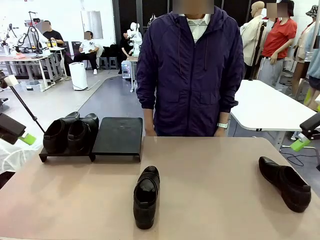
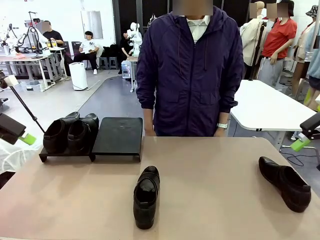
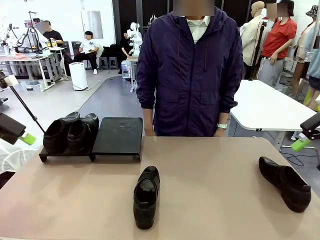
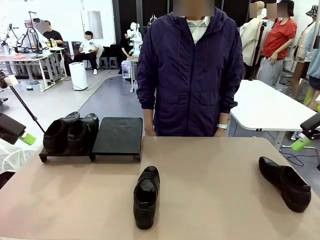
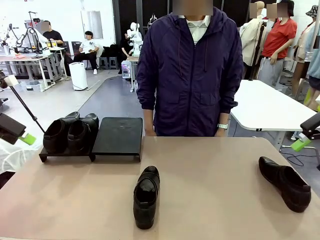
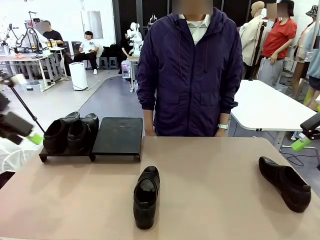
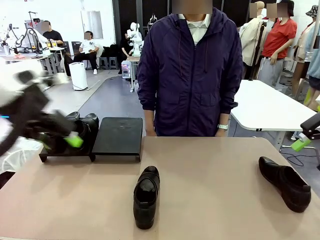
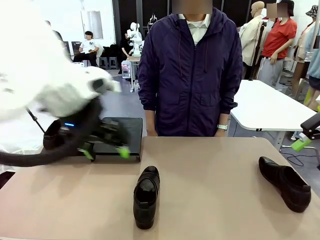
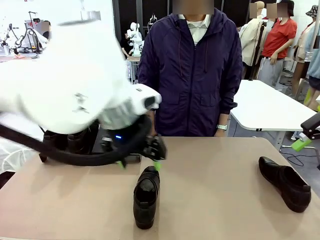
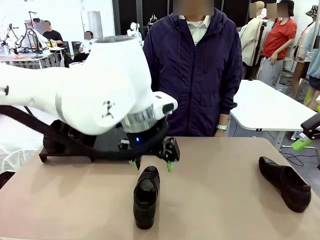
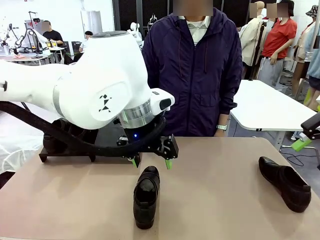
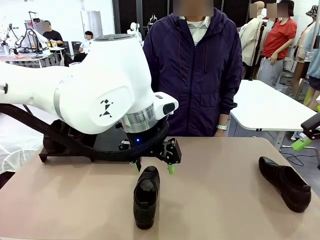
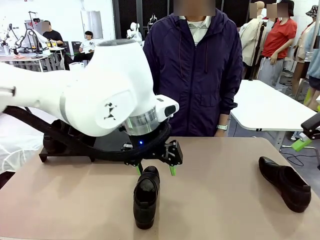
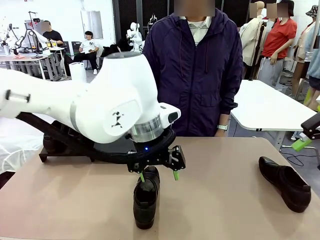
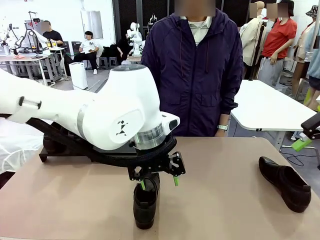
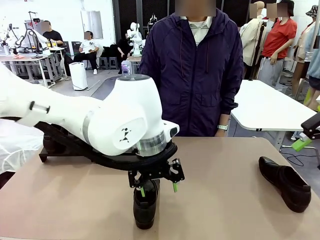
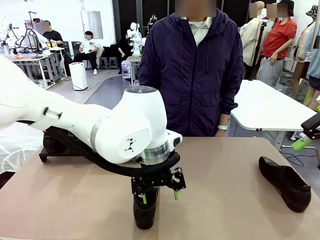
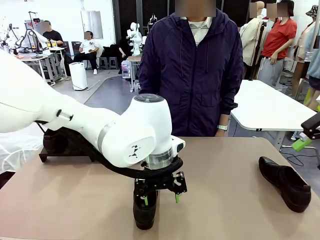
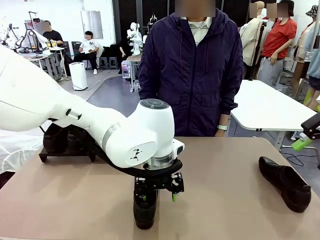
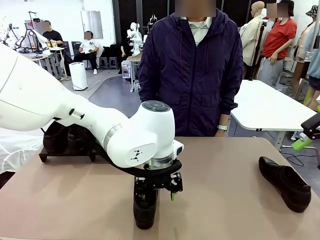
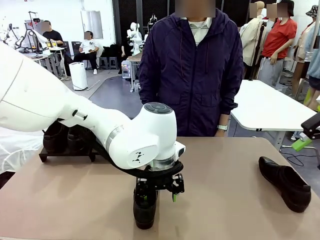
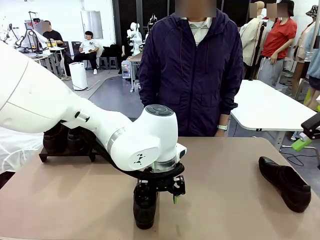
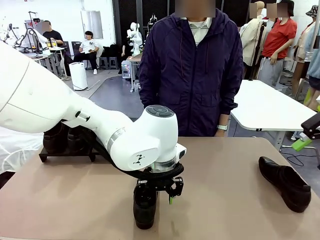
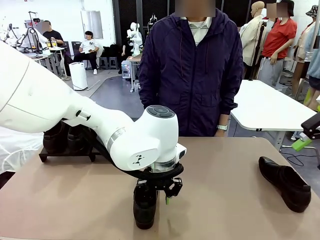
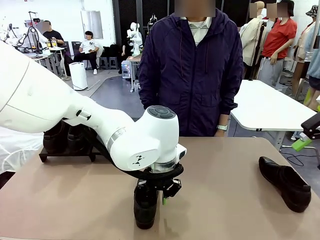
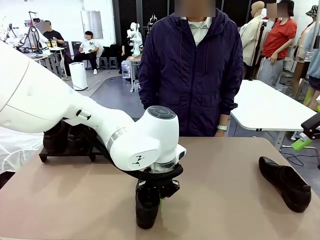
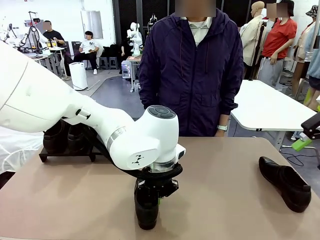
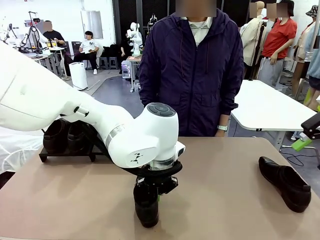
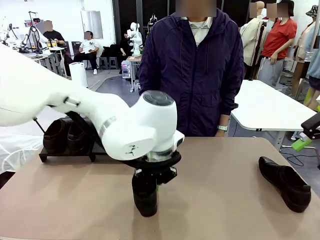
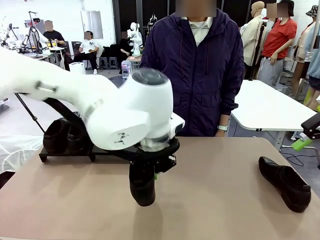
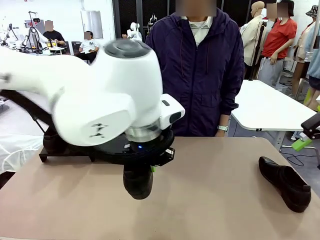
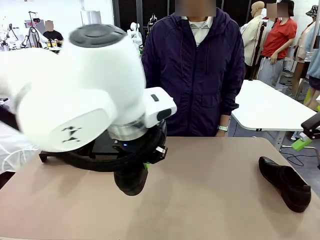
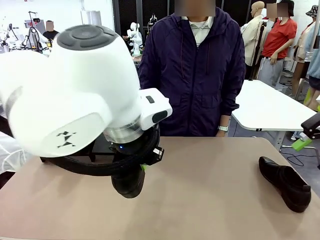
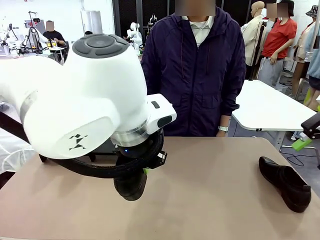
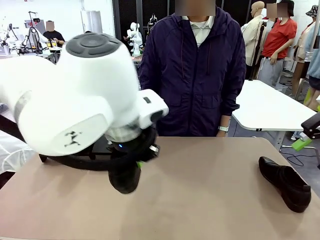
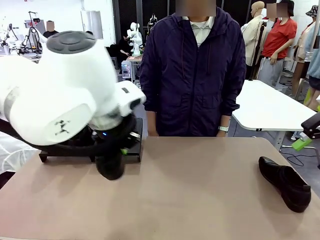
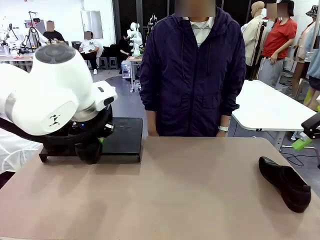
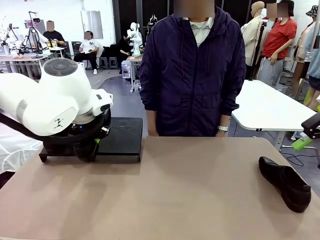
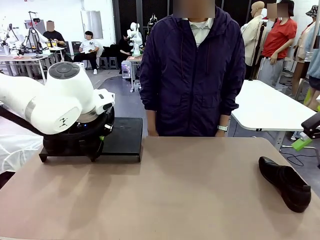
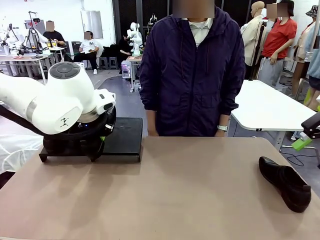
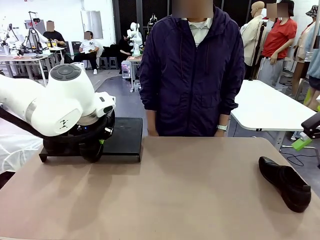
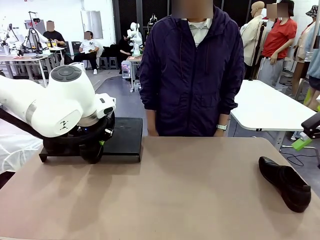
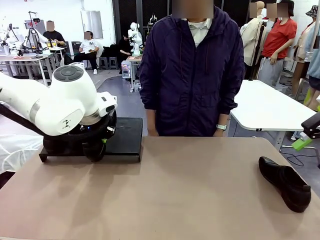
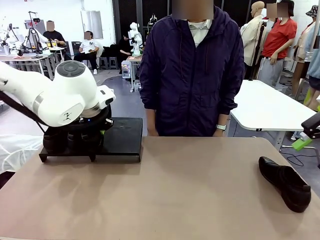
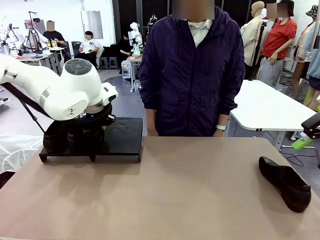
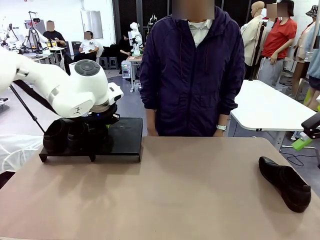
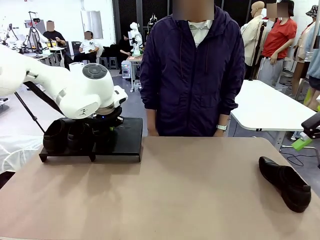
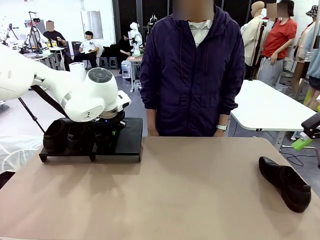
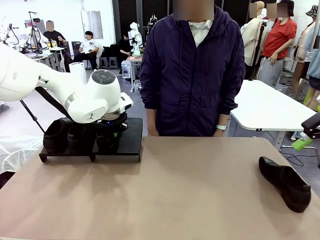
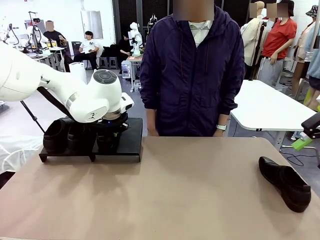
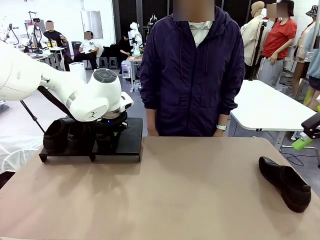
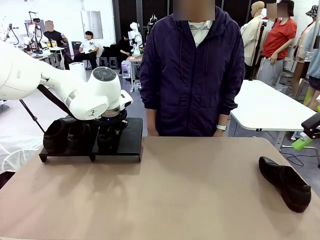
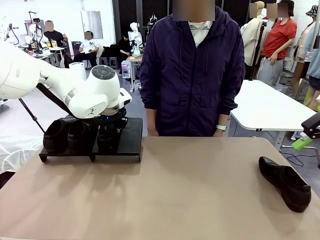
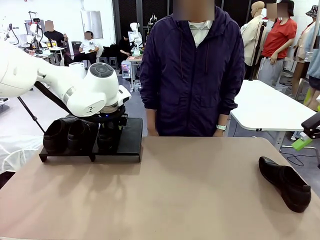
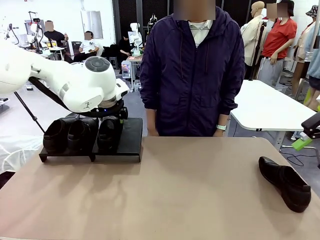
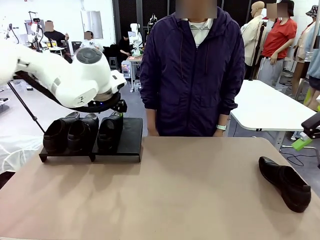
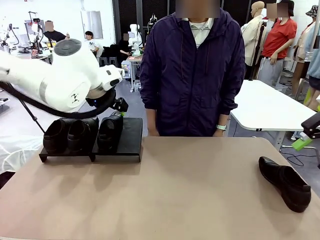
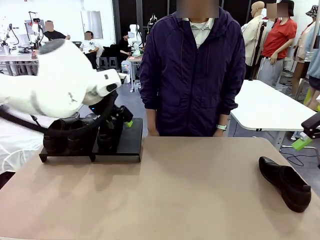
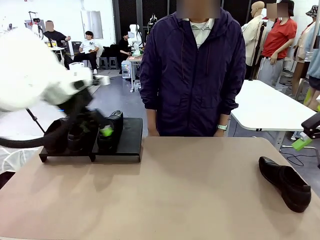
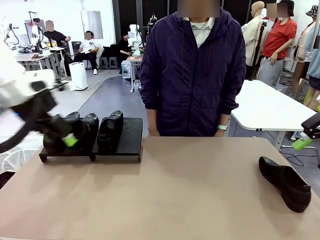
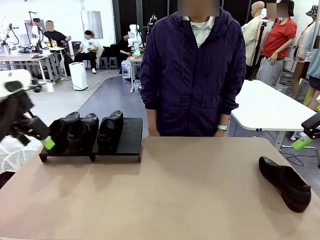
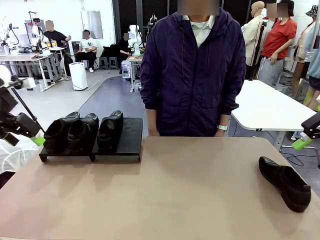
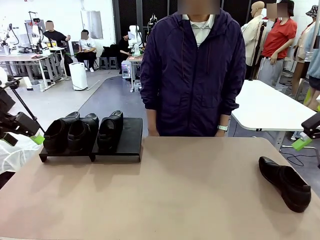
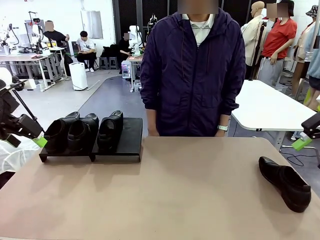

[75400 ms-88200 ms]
Task: Organize the shoes by placing them on the stand.
Robot: Place the Shoe from the middle of the table onto the Shoes Stand.

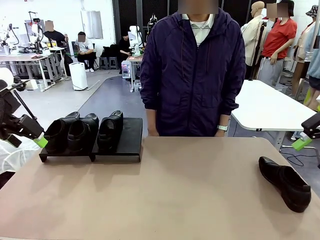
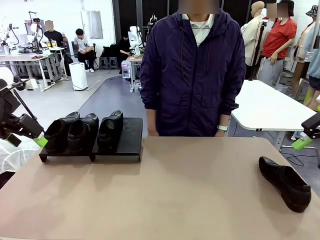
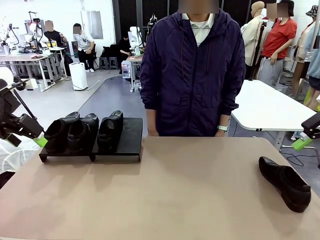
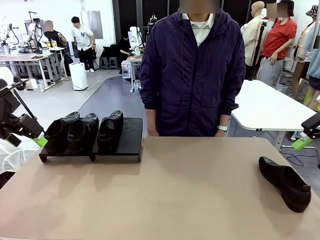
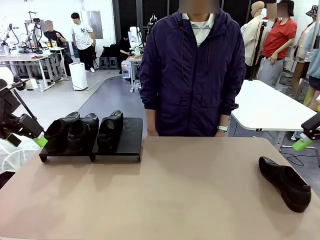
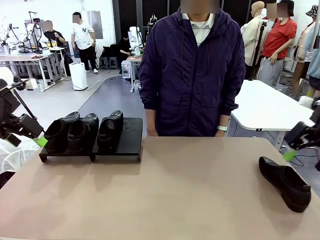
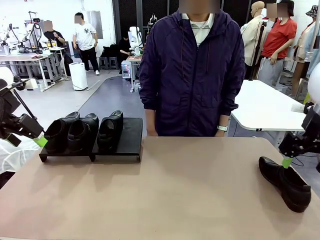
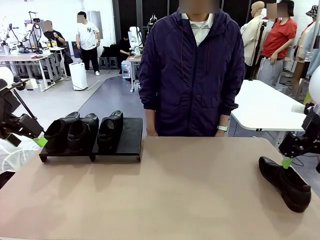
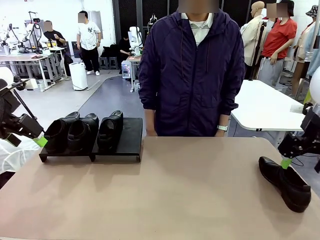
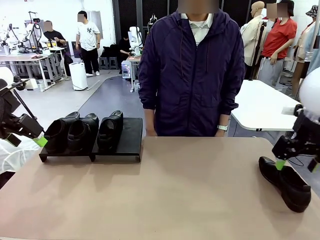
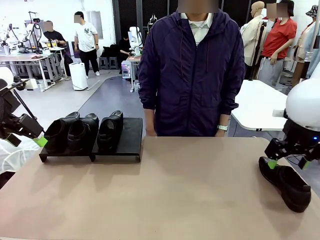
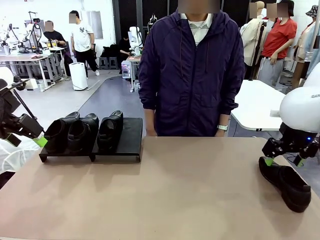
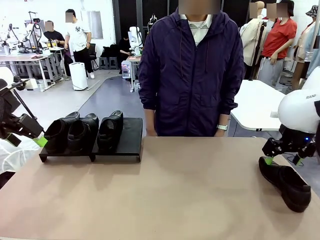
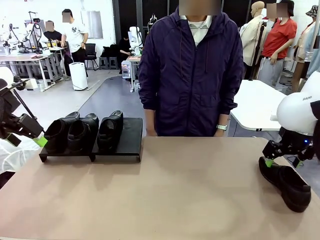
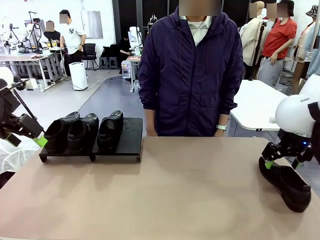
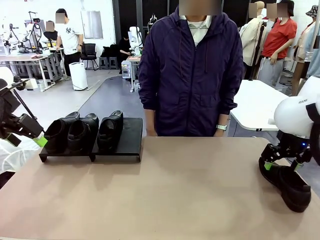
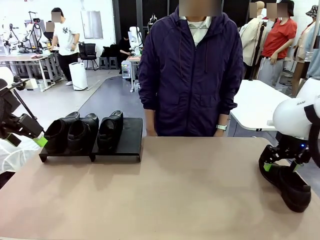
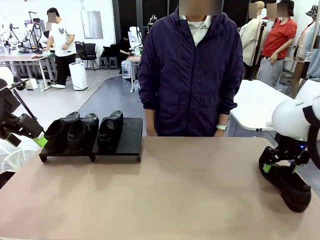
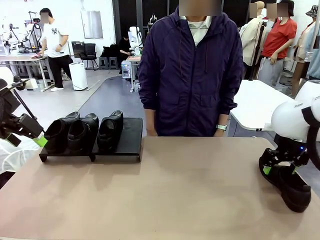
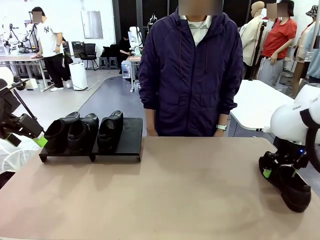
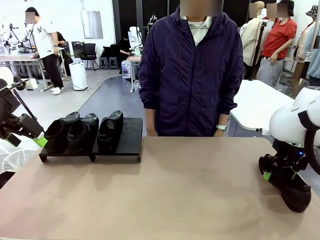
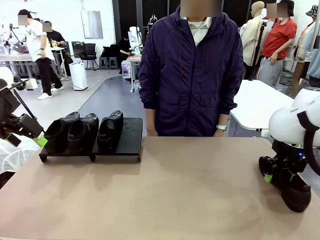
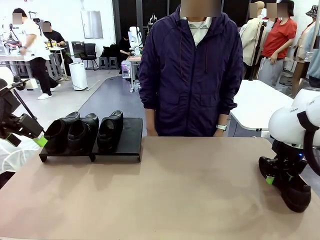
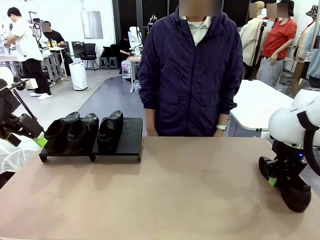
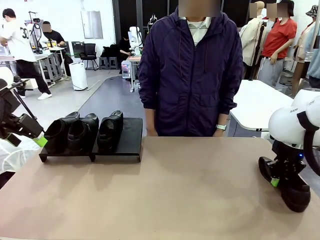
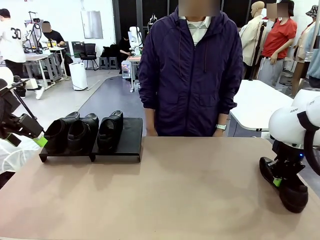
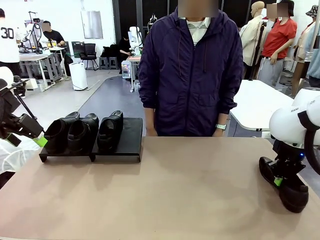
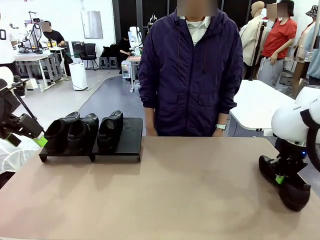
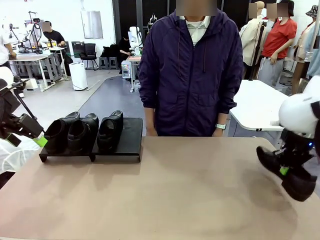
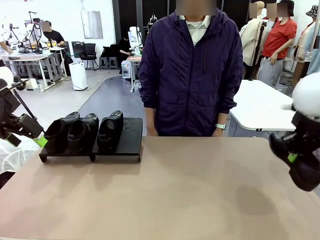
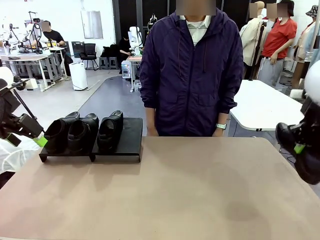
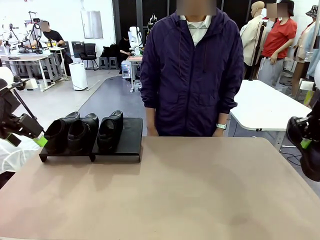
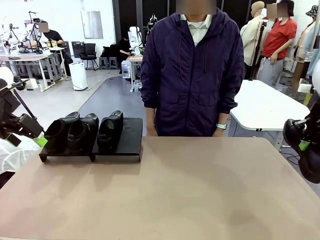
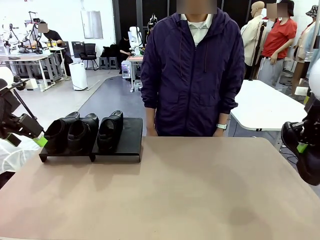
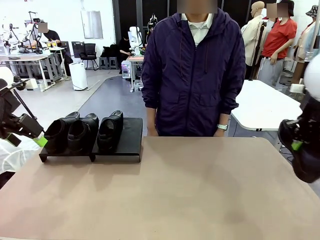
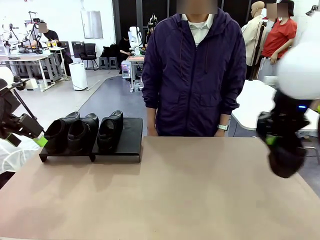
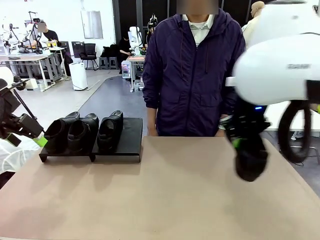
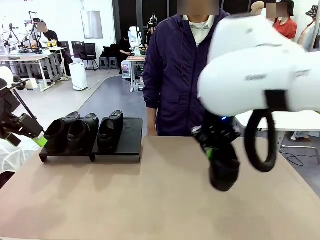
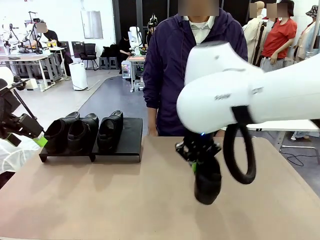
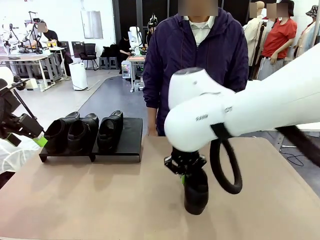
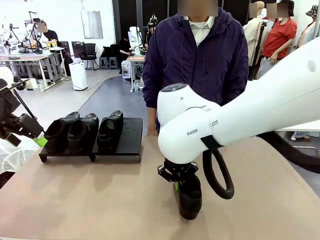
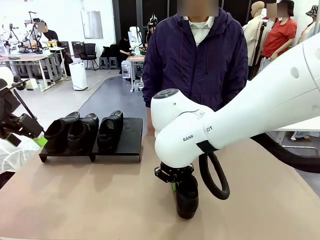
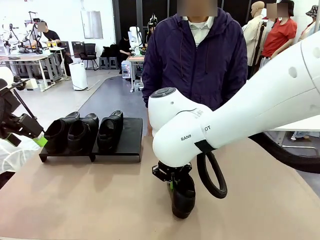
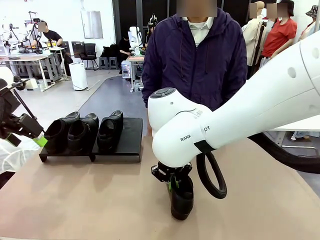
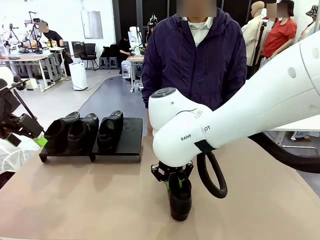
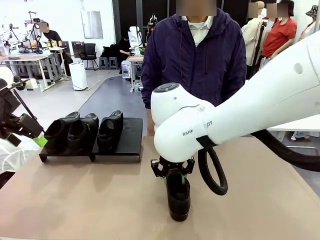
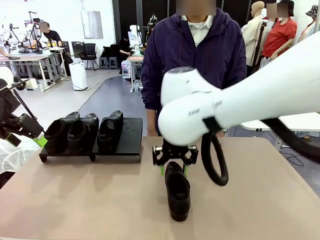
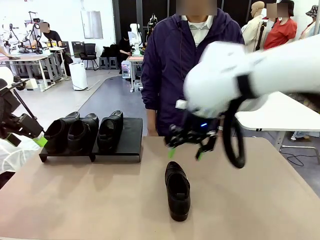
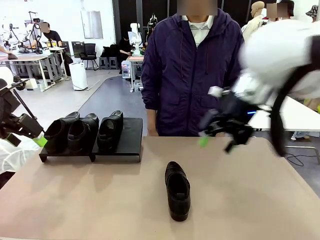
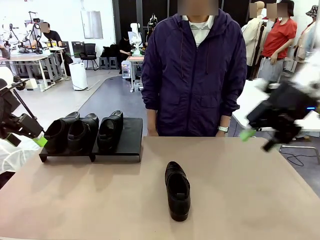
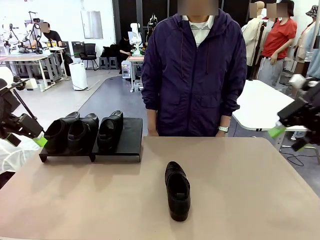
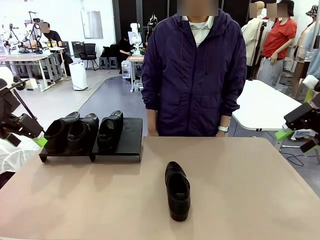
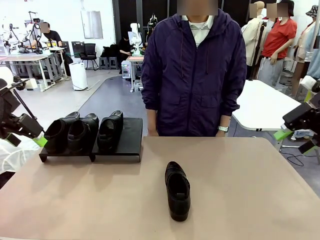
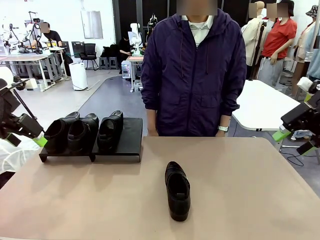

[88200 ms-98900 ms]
Robot: Pick up one Shoe and place it in the middle of the table.
